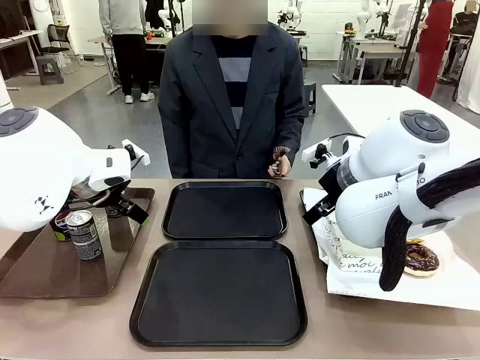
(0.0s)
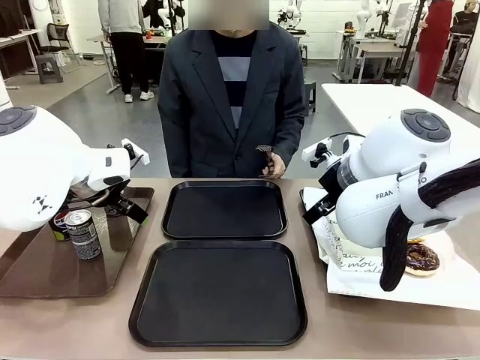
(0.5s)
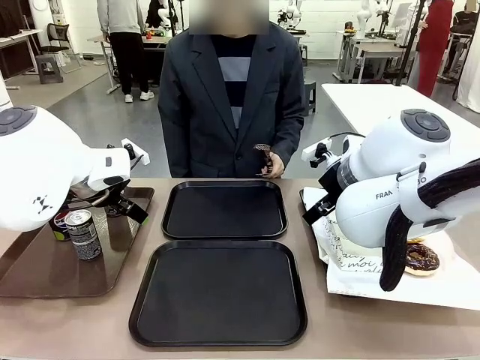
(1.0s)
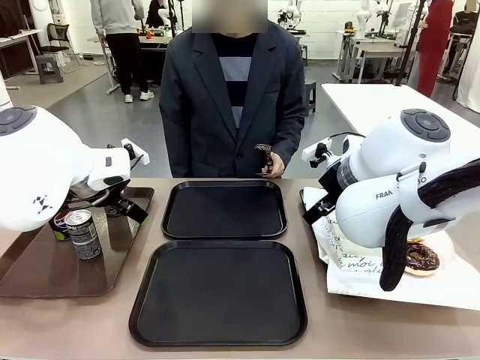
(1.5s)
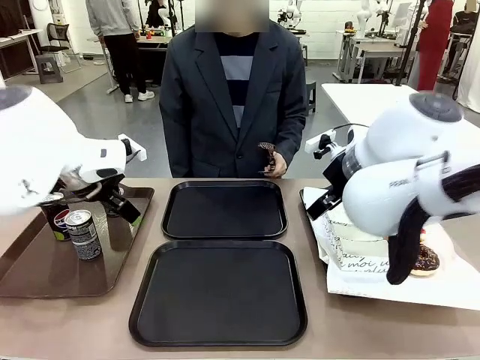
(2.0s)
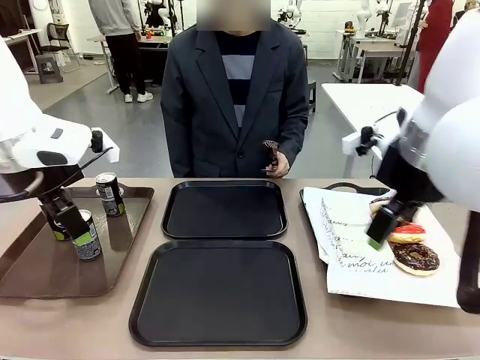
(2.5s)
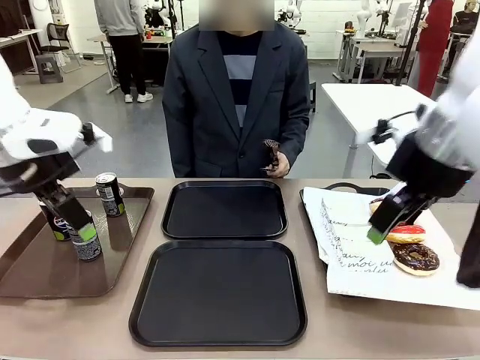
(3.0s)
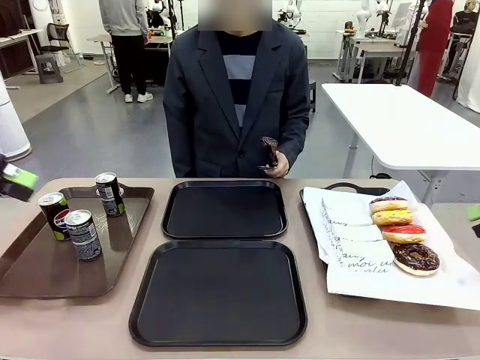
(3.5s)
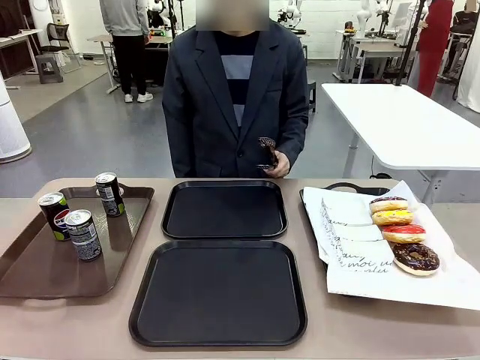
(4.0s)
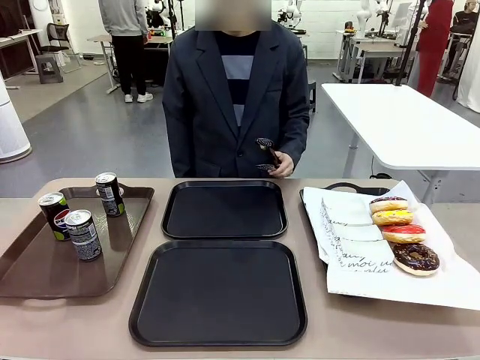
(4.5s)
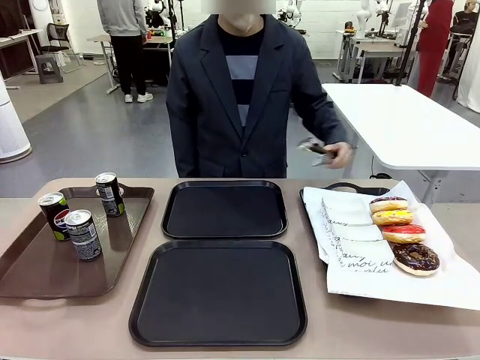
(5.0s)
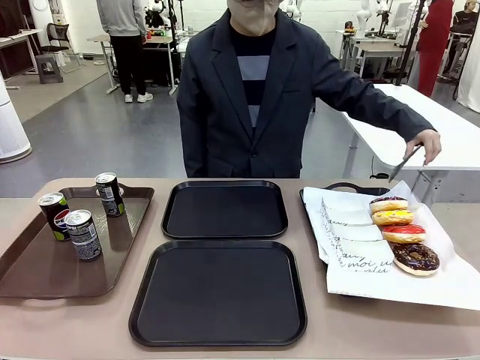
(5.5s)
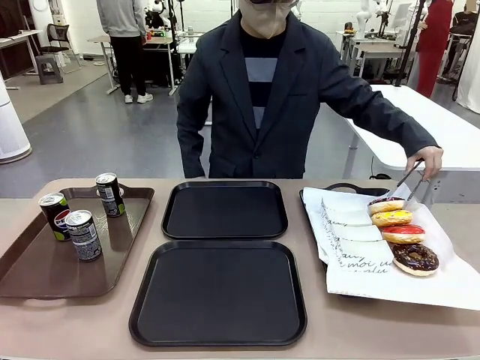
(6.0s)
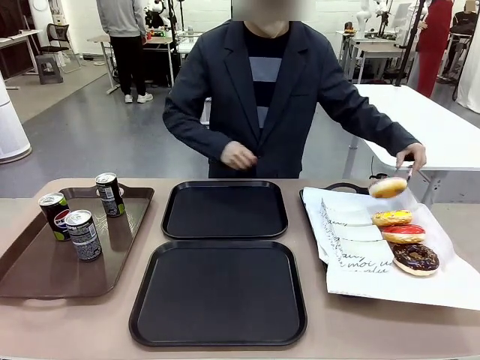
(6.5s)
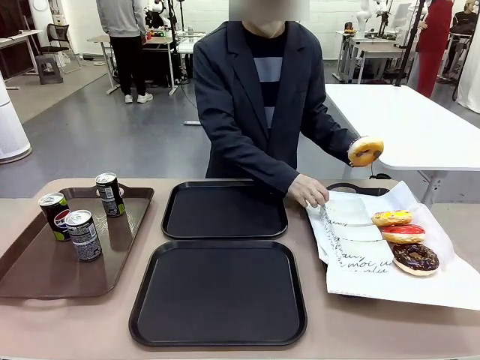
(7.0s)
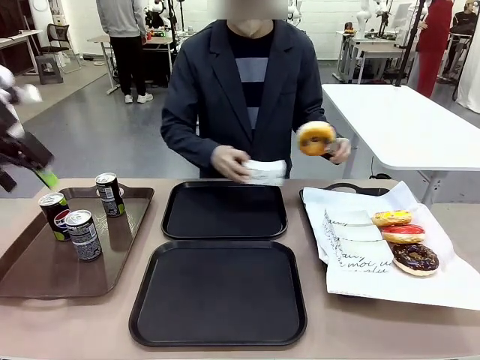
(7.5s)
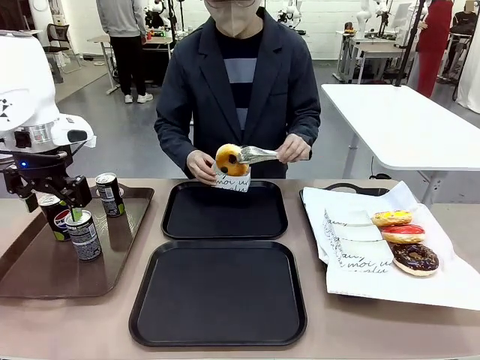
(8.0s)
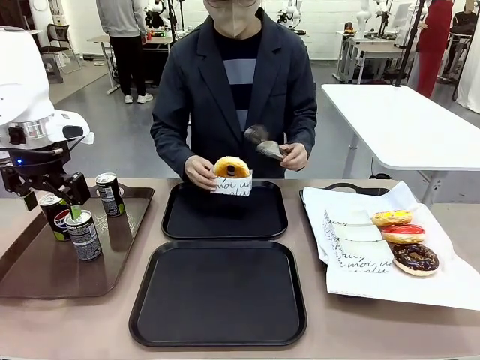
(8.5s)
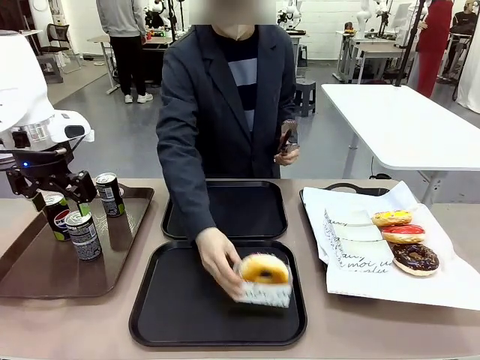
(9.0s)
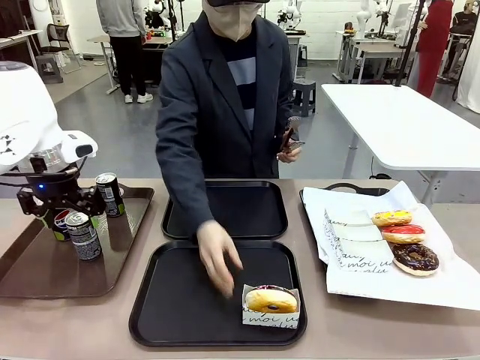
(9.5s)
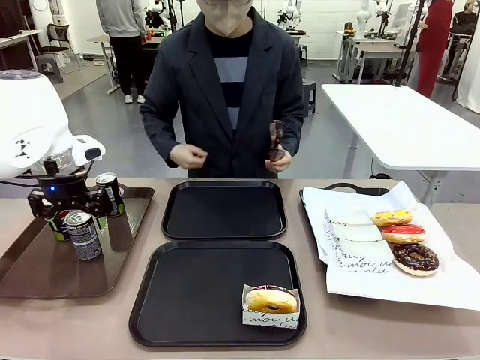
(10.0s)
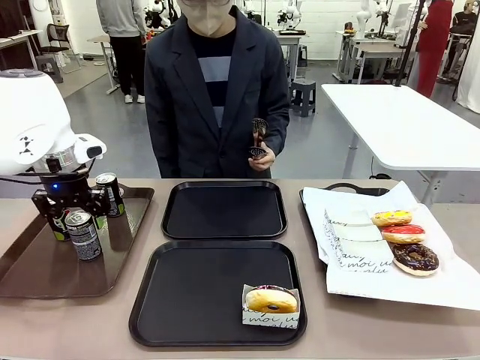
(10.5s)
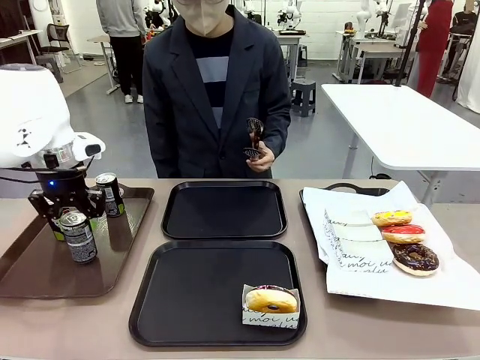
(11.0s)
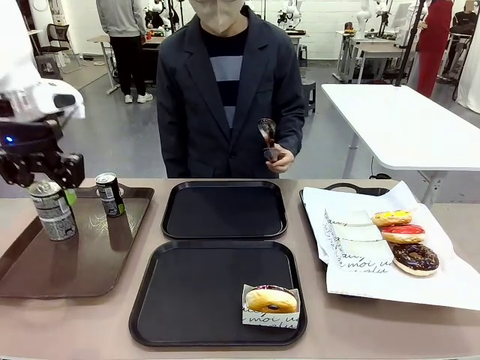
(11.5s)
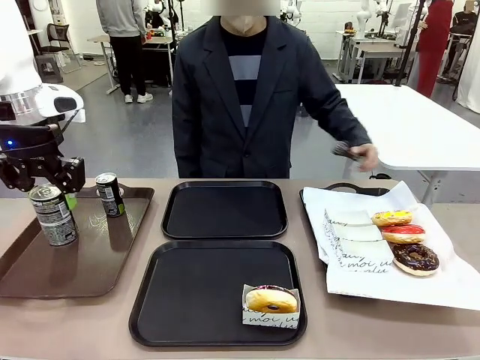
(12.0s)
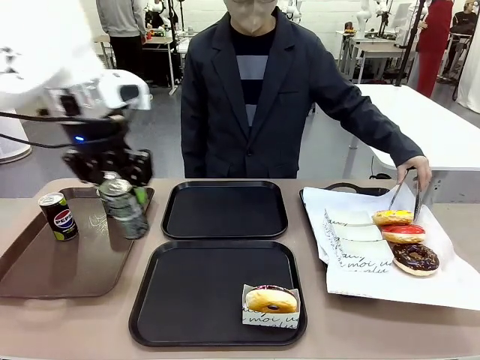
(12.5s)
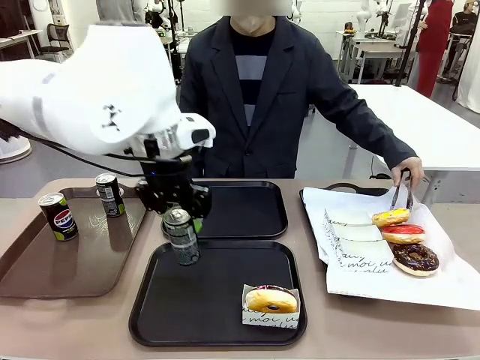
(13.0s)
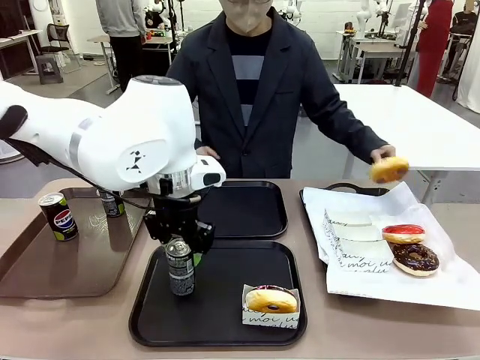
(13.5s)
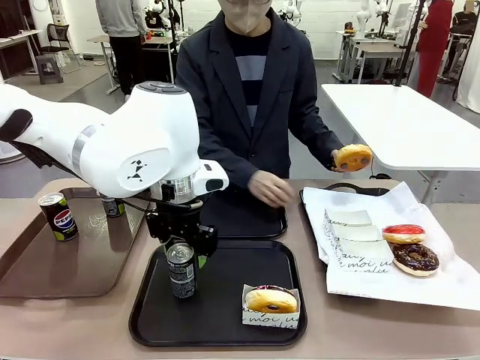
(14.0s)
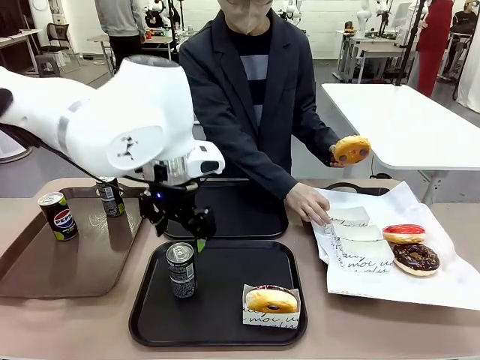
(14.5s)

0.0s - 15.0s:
Task: Set up donuts and drinks on trays.
Robot: Pick up one Pepsi coke and place it on the Flat Tray.

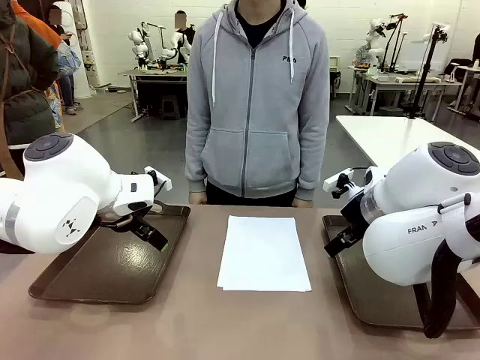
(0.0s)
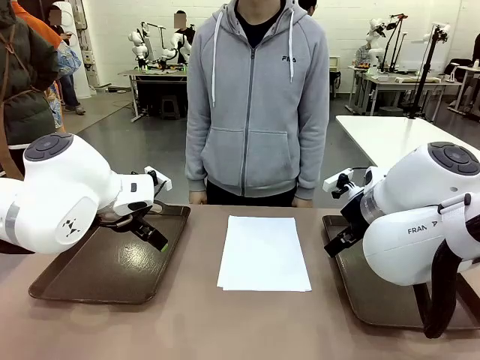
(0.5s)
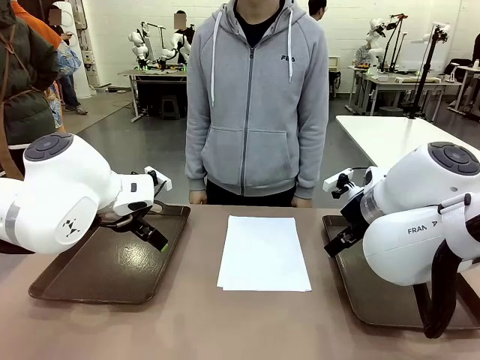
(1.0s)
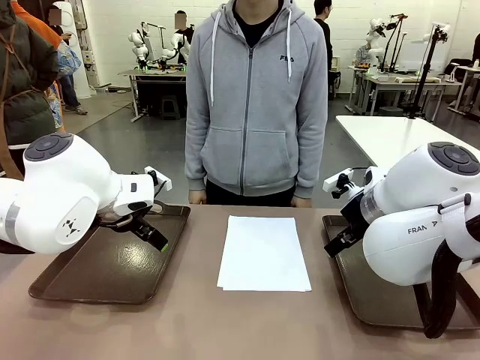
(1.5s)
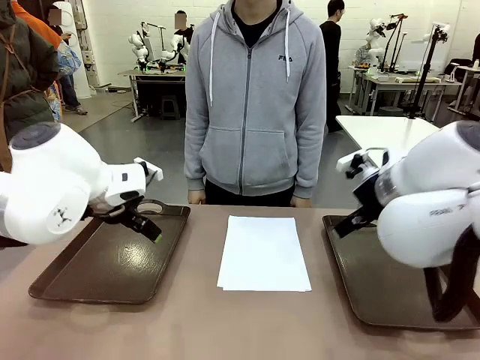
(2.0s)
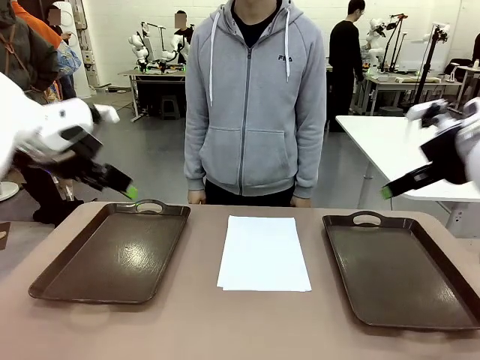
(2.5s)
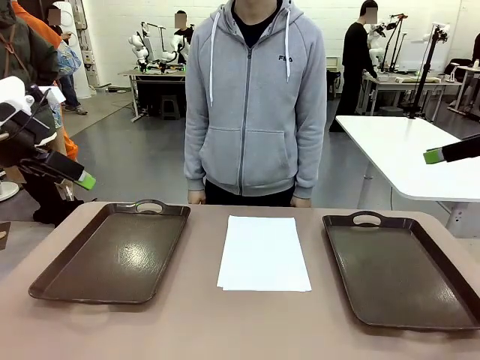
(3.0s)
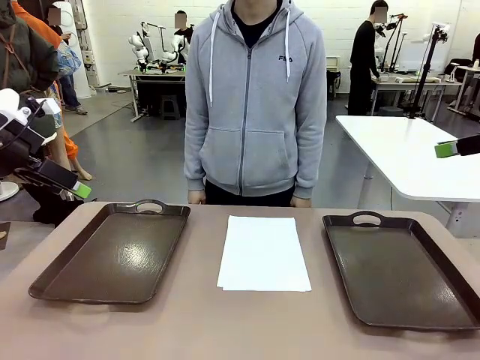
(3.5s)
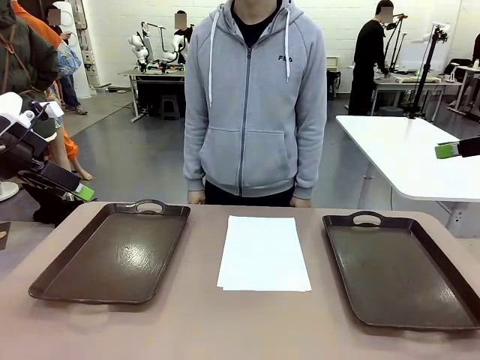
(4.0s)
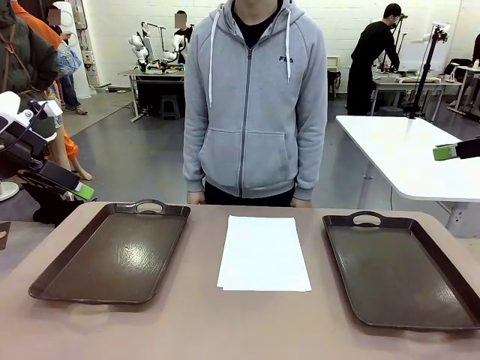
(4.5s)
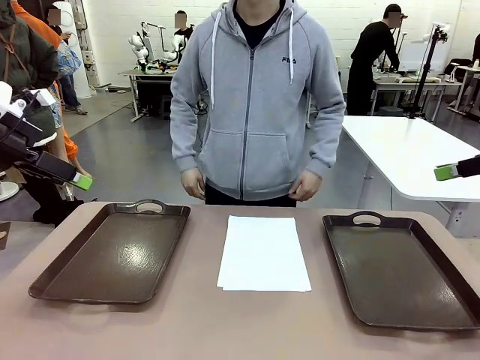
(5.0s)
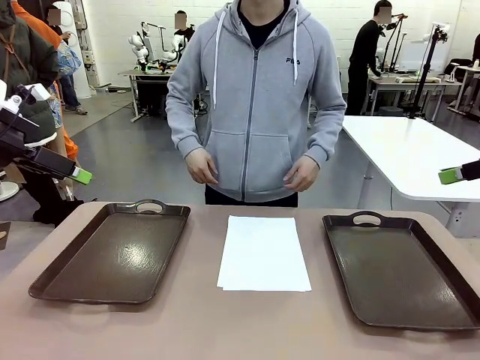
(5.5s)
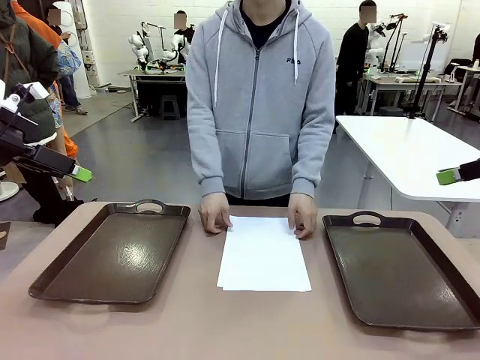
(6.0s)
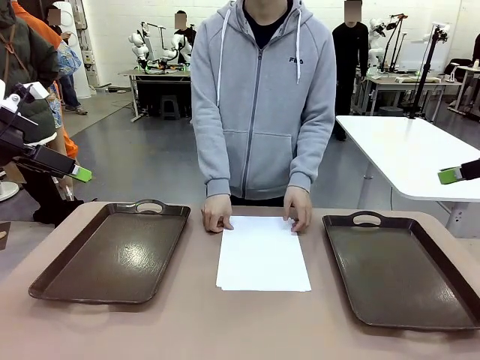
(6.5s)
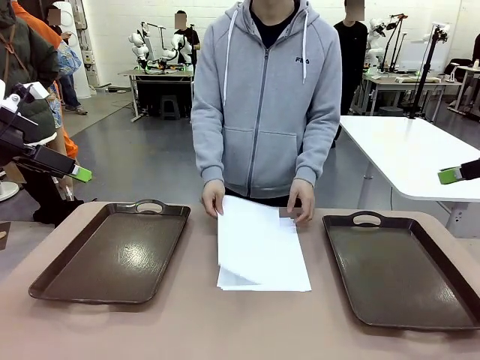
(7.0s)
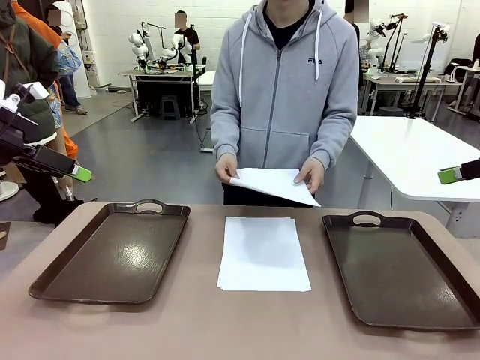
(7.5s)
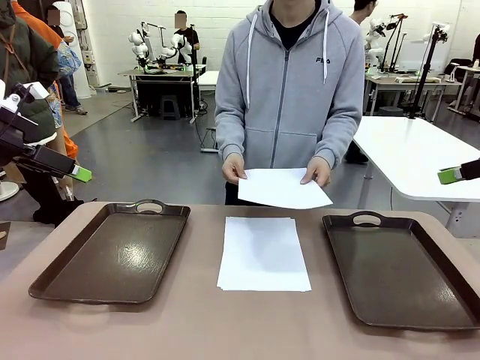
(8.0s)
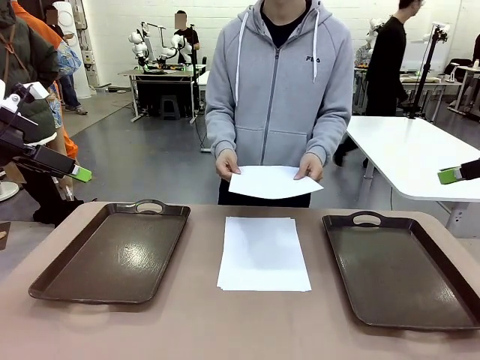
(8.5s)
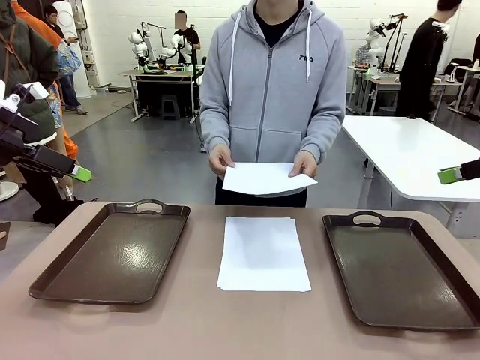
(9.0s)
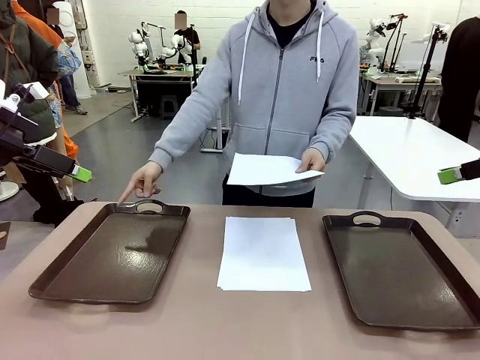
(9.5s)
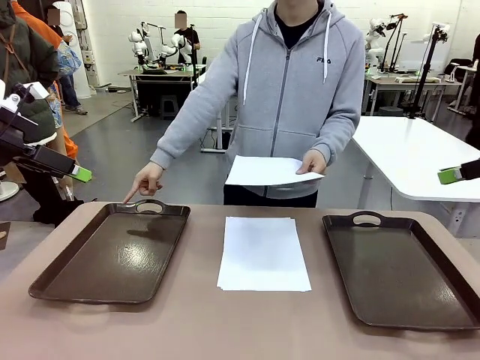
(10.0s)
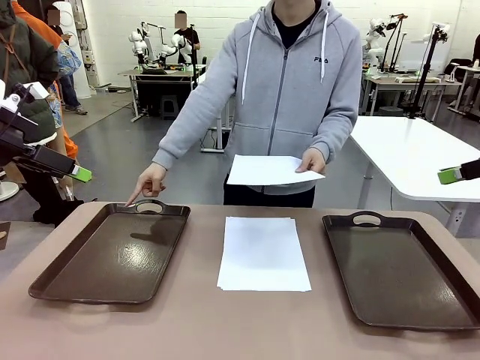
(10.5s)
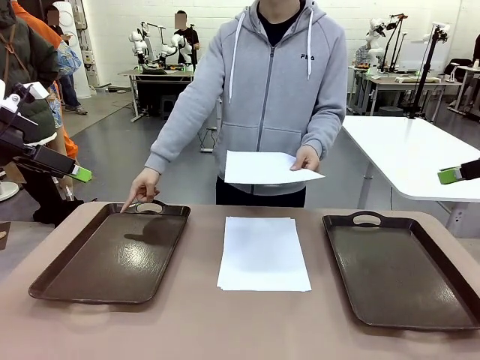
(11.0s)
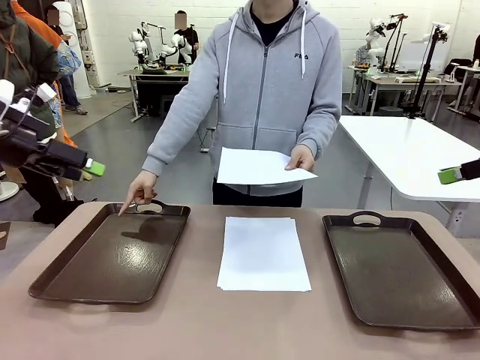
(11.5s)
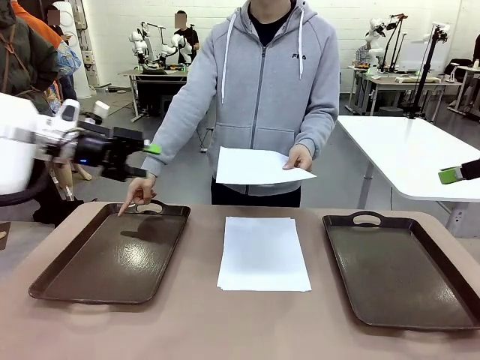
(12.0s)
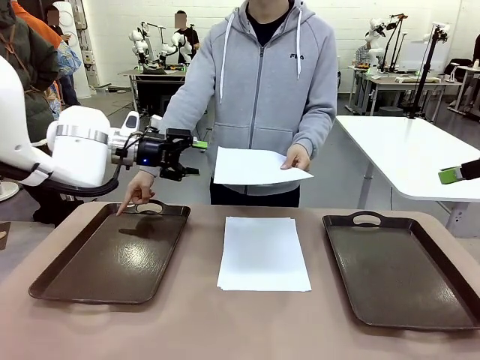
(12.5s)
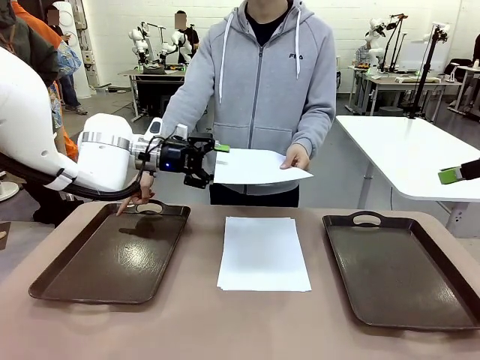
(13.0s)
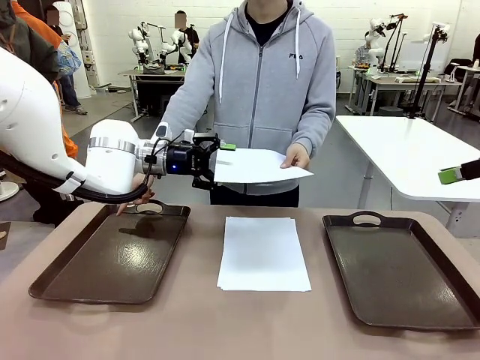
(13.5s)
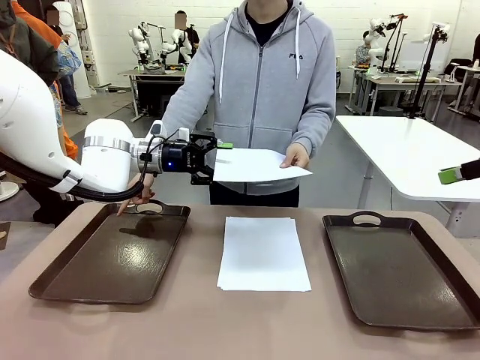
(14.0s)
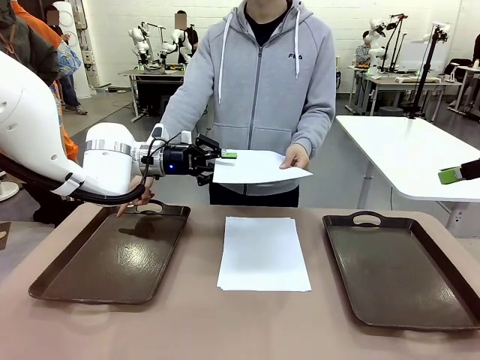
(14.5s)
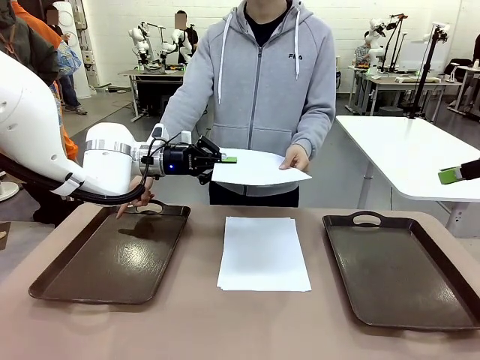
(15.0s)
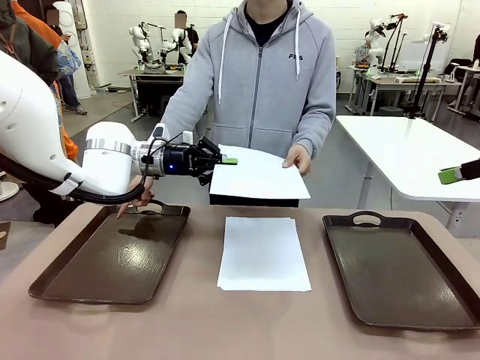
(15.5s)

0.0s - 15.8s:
Task: Sort the A4 documents.
Robot: Receive the A4 Paper.
Person: Pick up a sheet of paper from the center of the table and hand it to the robot. Point the randomly selected tray with the other hand.
